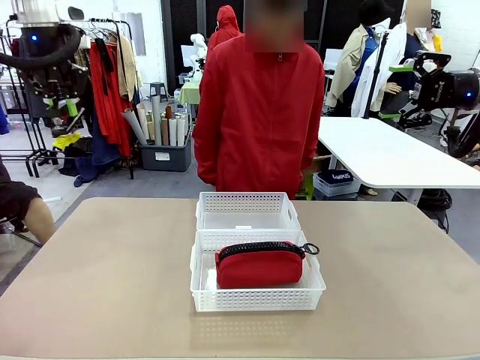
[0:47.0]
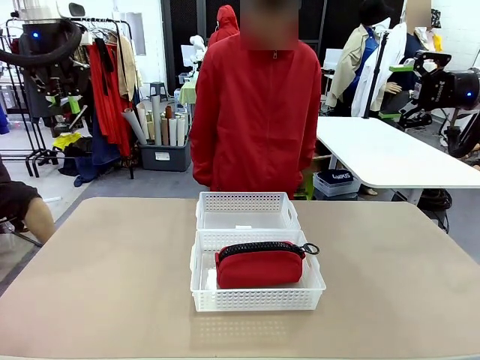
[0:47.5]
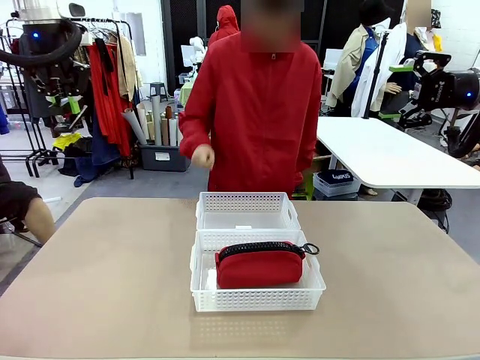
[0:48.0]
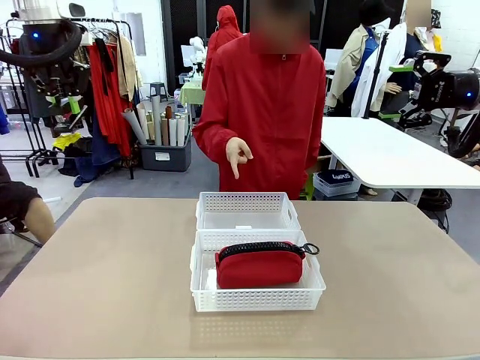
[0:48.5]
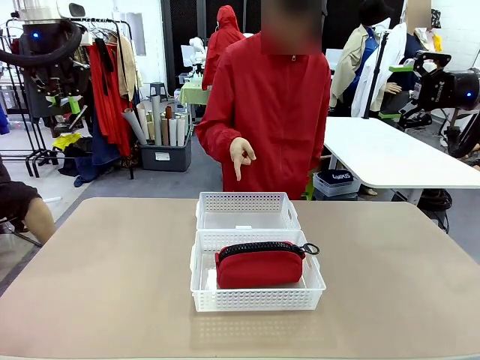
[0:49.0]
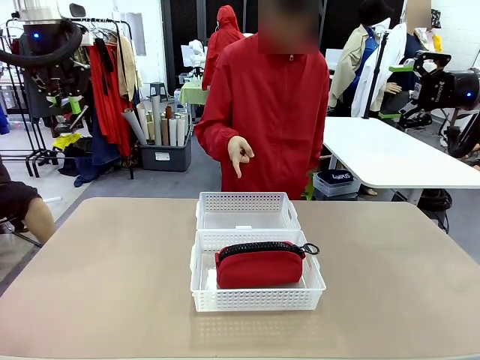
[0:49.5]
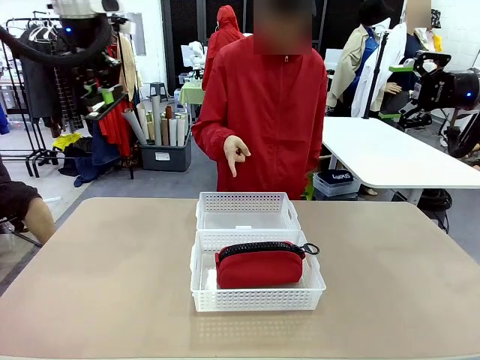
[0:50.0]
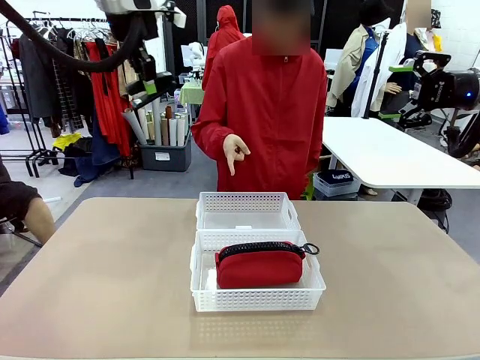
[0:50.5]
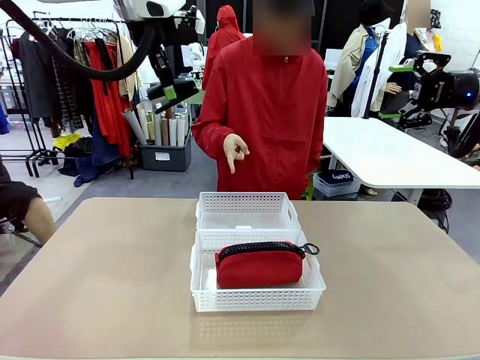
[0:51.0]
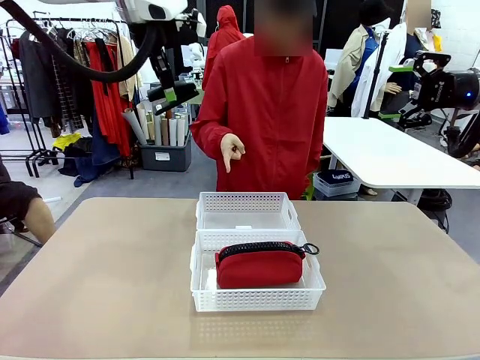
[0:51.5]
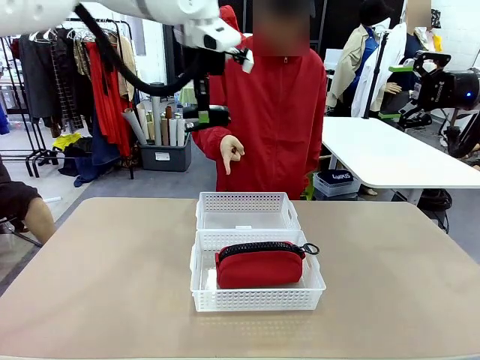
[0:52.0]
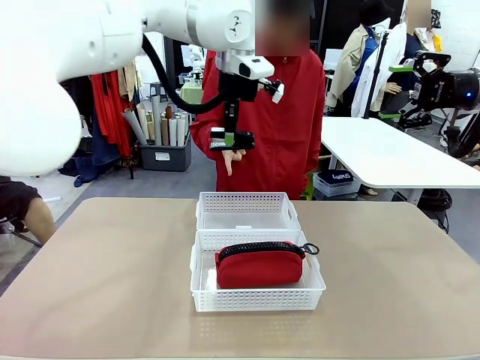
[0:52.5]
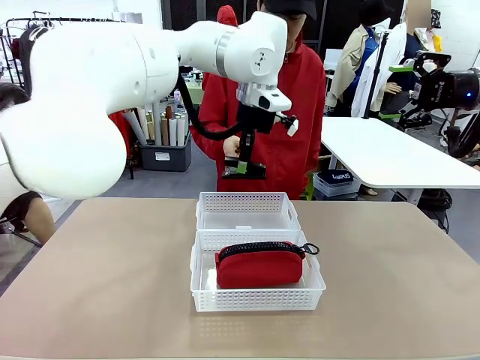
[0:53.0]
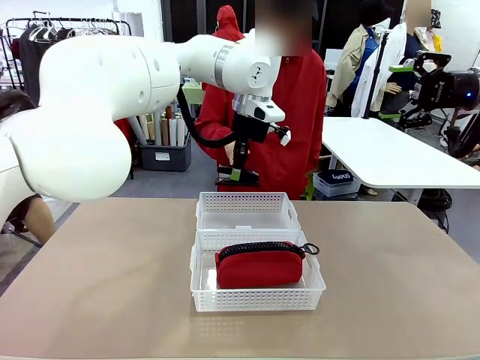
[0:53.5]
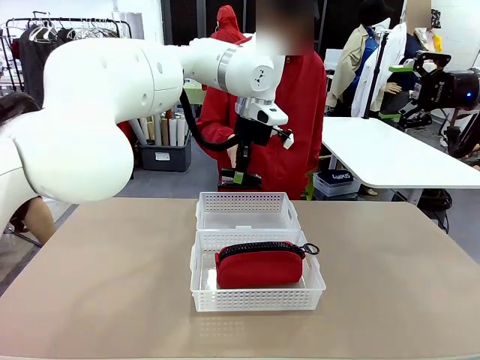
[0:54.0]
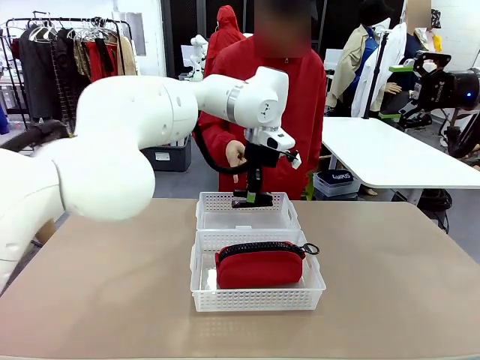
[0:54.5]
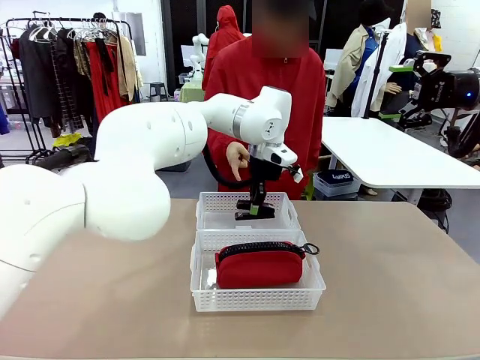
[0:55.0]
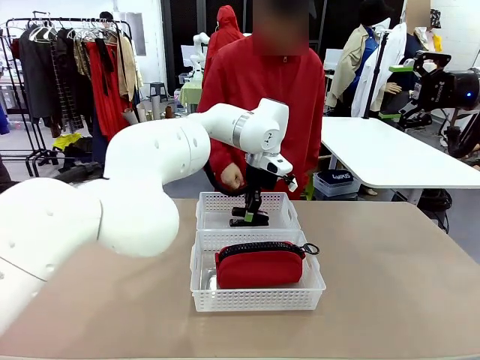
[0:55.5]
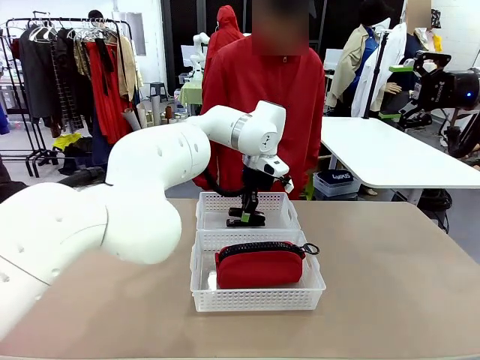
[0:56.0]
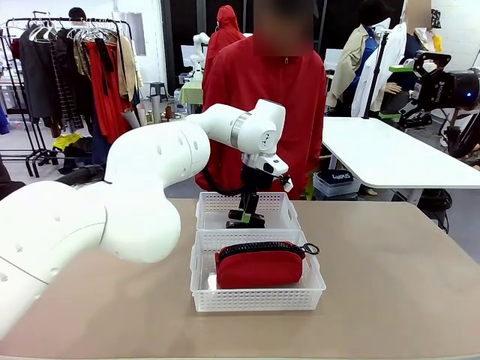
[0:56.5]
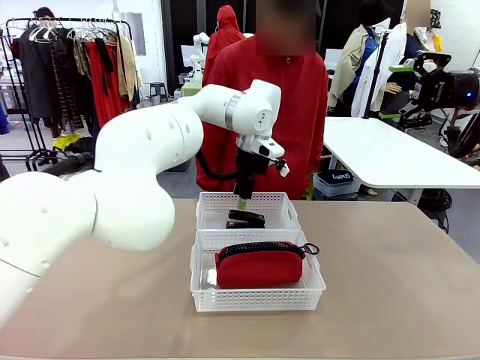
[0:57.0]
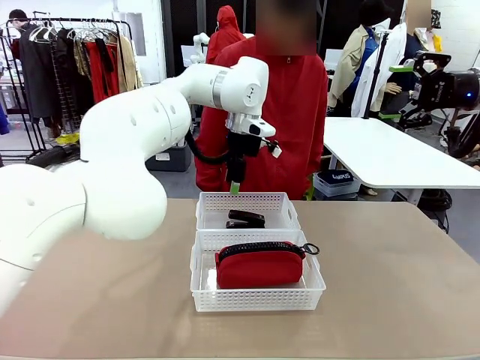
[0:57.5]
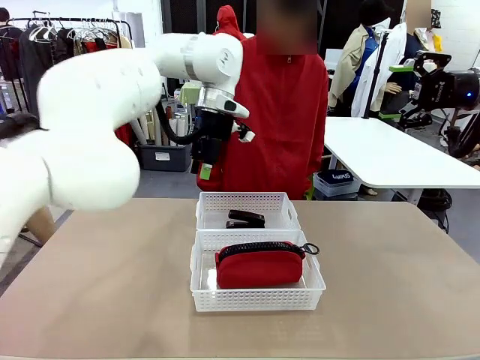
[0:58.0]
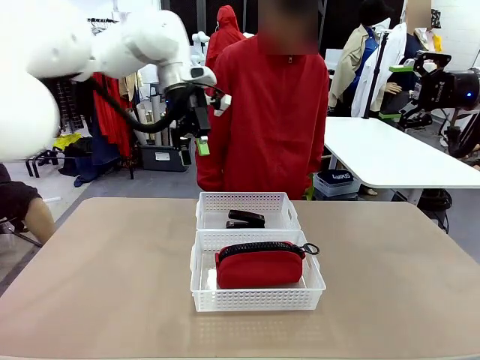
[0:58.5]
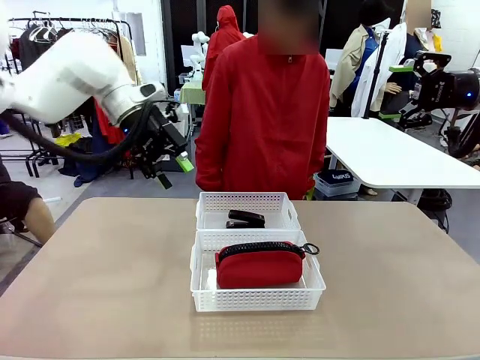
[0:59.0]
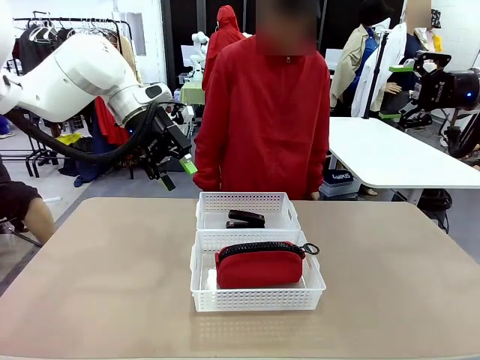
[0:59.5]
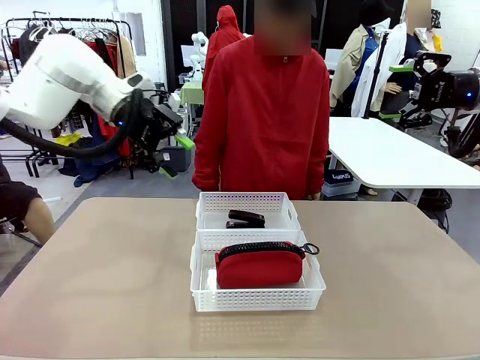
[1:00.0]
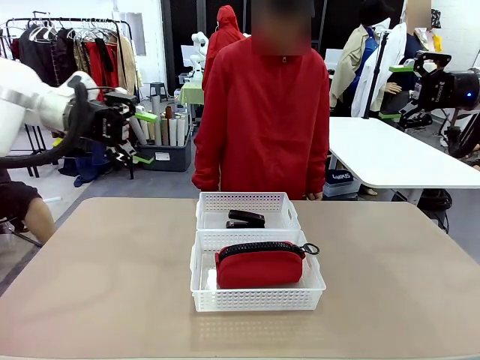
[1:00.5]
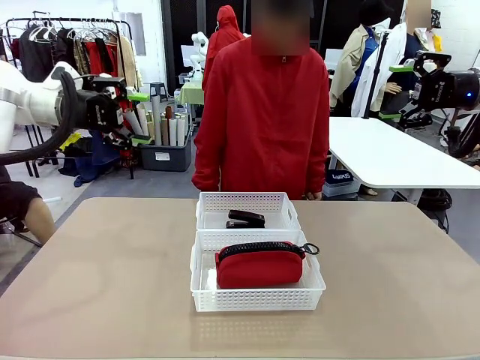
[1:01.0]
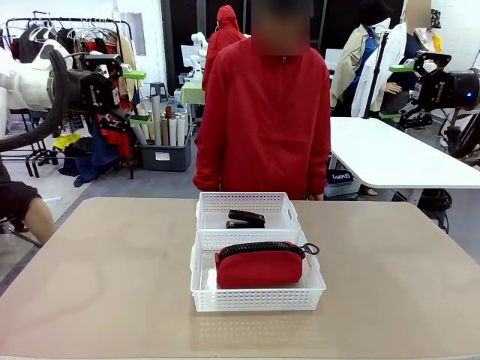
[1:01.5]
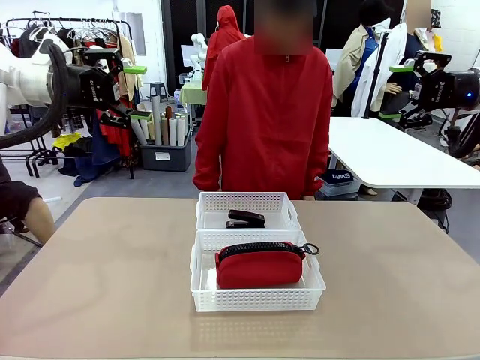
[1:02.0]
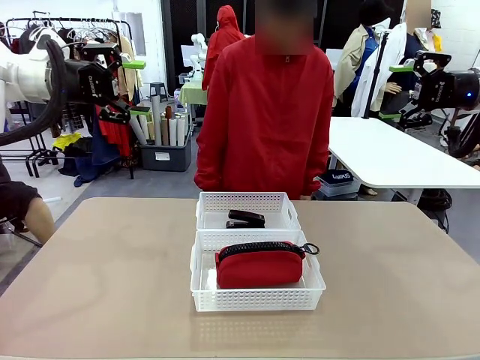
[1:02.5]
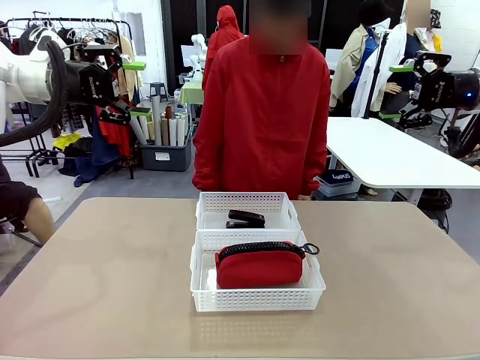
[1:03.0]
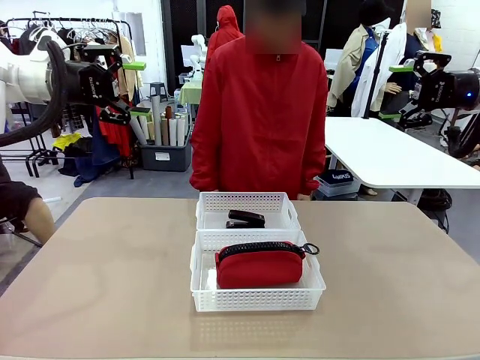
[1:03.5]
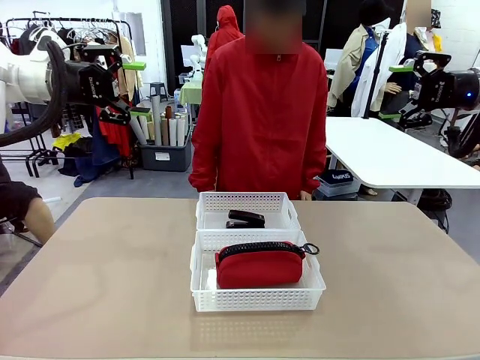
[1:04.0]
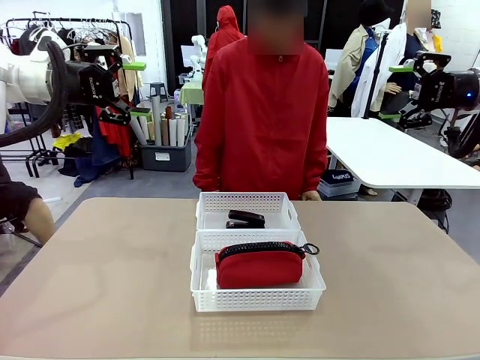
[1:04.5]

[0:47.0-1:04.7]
Task: Distribute items into two baskets.
Robot: Place the picked Stapler into the Organizing basket as instructed by the person.
Person: Points to the basket that does not contain the pencil case and instructs the robot to move the stapler there.

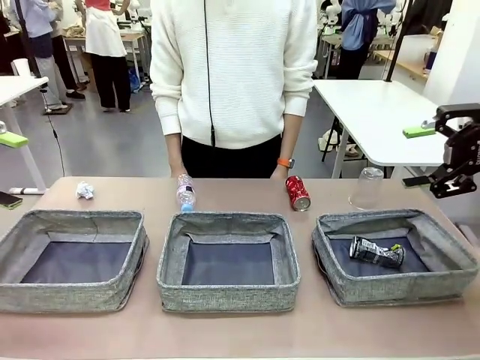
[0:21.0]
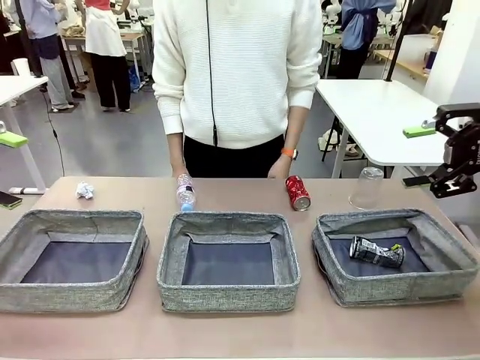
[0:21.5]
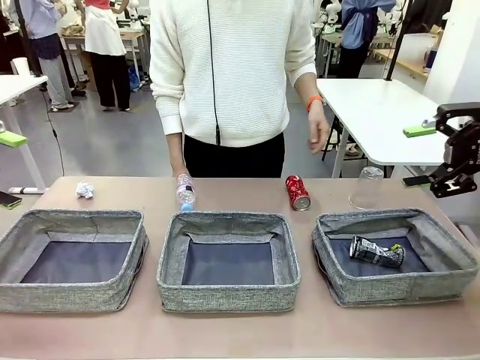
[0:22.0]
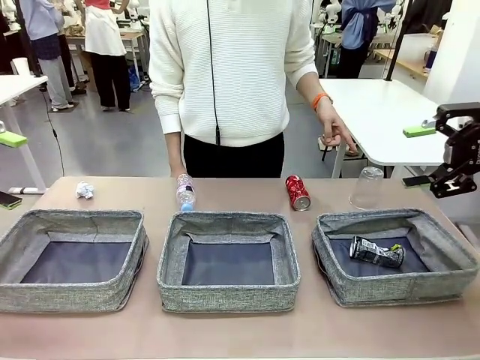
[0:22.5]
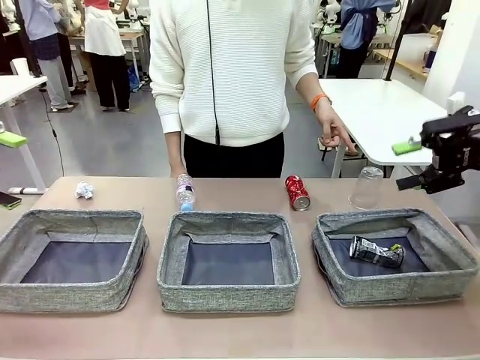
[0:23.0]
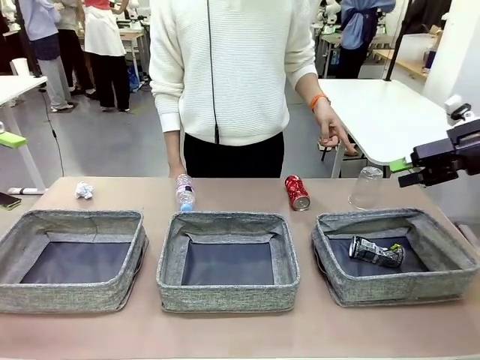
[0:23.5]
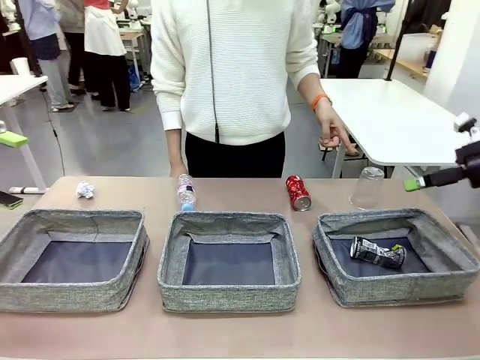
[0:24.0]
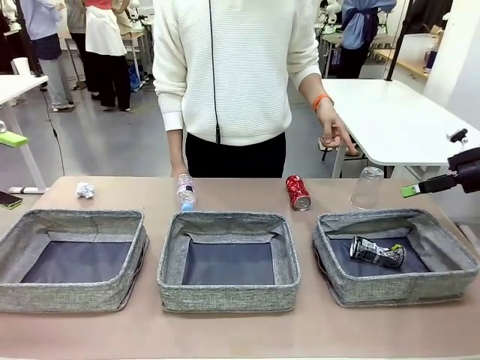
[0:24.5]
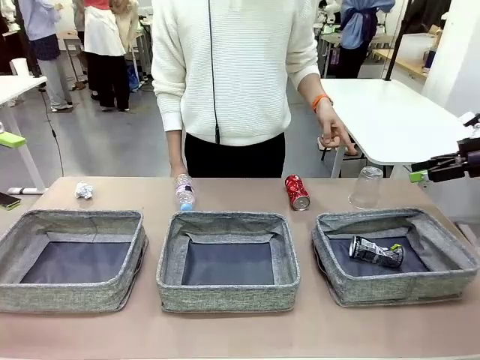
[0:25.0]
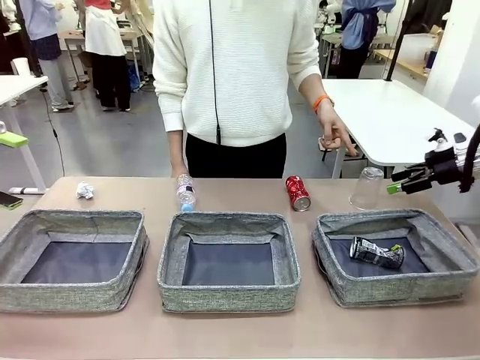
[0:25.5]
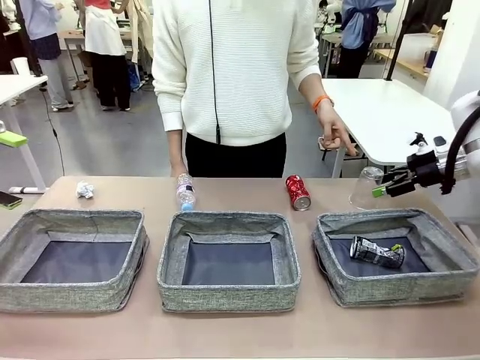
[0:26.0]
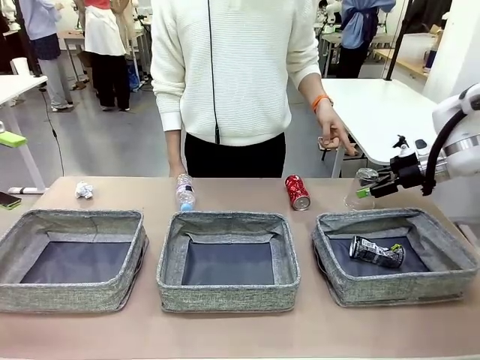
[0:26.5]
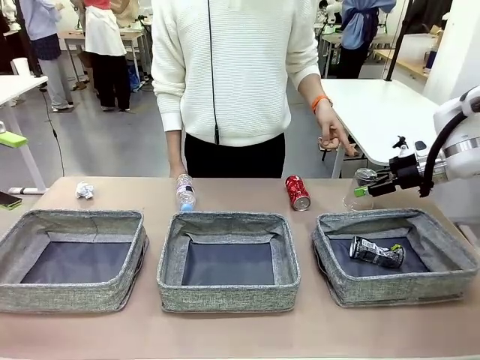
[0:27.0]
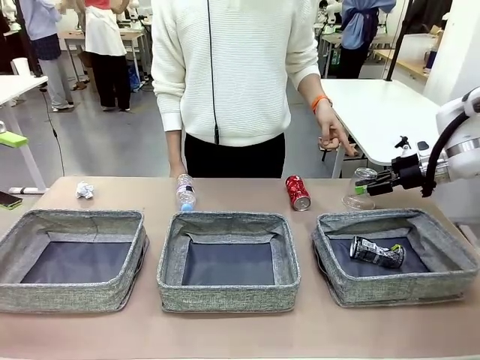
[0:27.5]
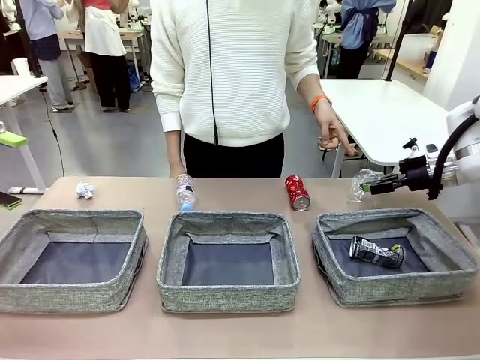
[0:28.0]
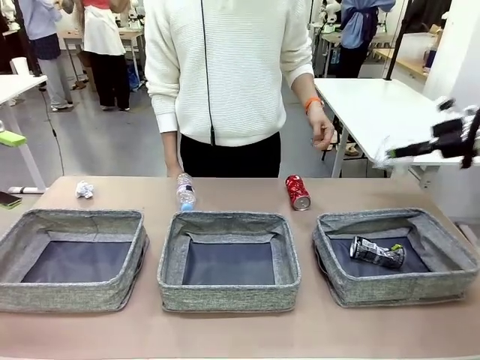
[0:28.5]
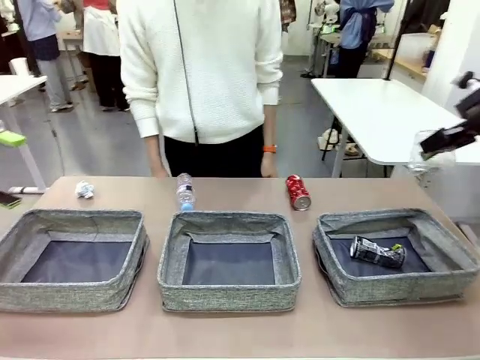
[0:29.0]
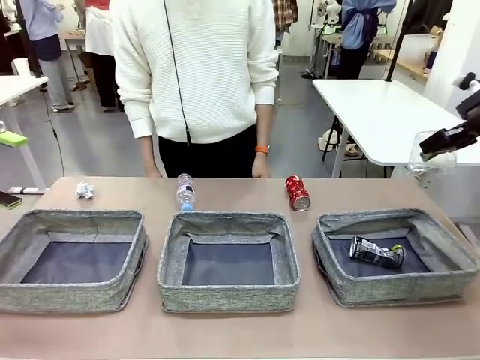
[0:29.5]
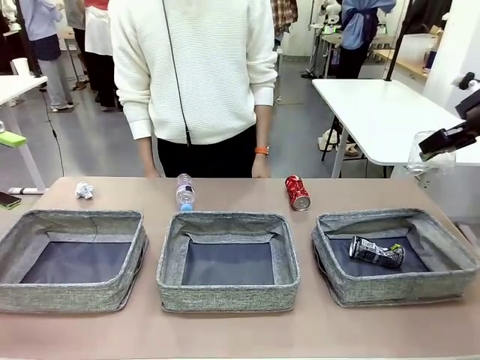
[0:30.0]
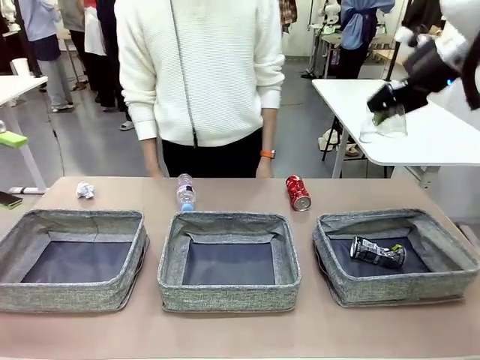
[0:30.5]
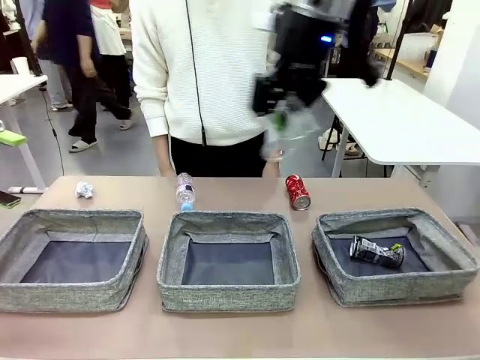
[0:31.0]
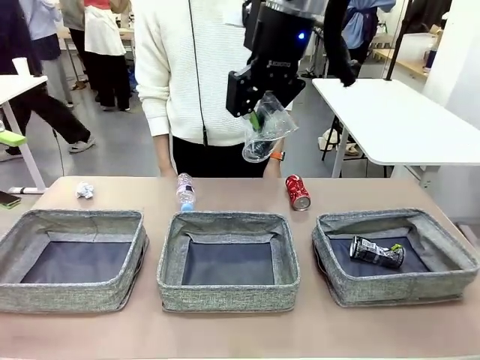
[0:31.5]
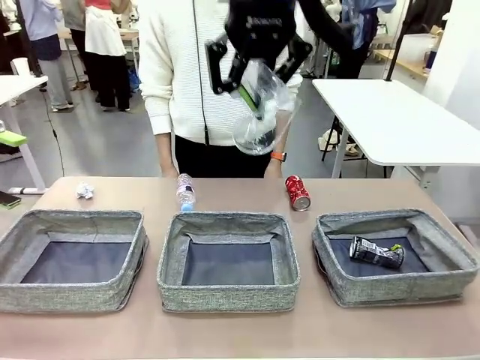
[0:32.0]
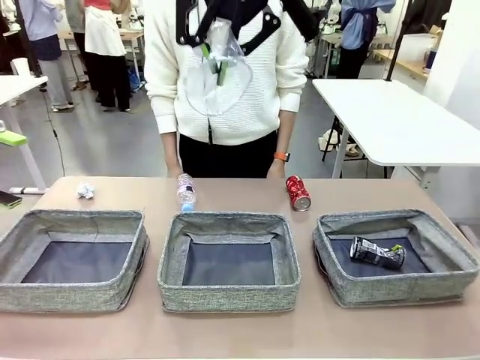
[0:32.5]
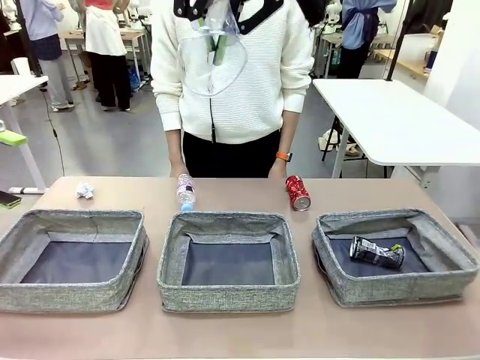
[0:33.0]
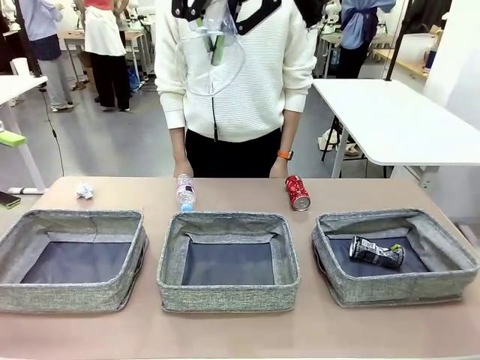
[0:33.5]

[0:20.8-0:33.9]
Task: Sort the waste into the appropriate baskets.
Robot: Pick up the waste item pointed out by the person.
Person: Points to one piece of trash on the table.
